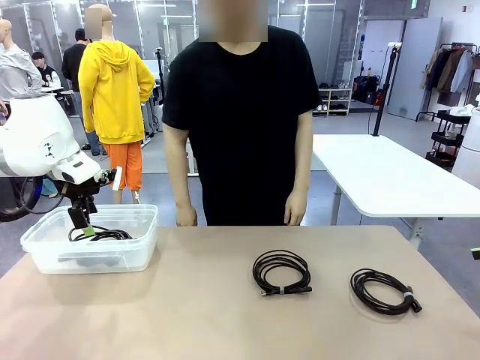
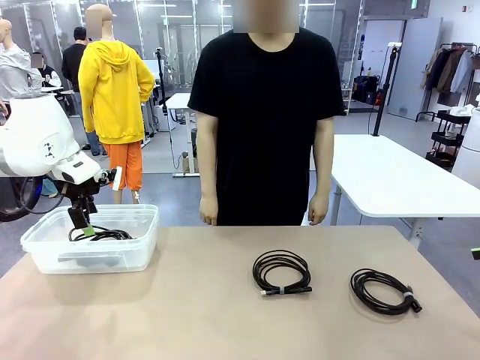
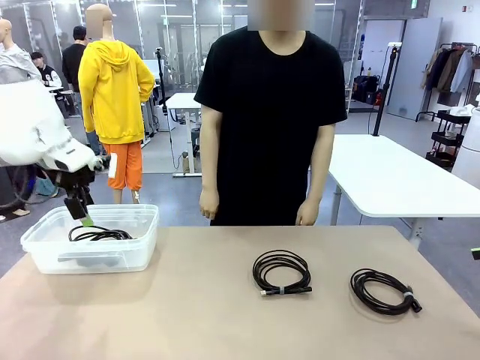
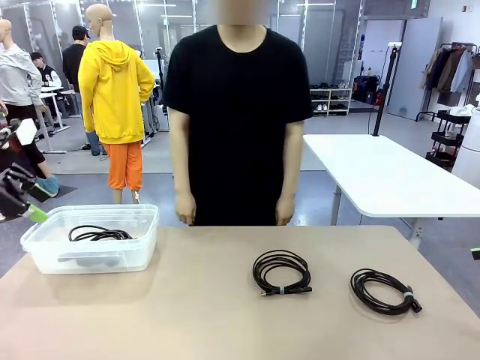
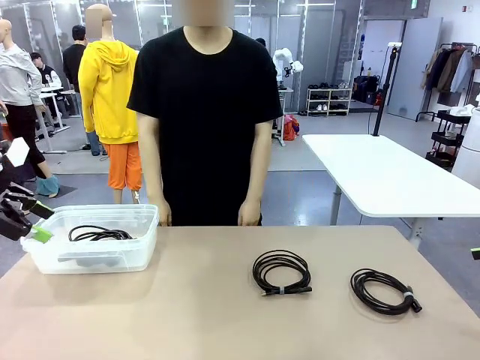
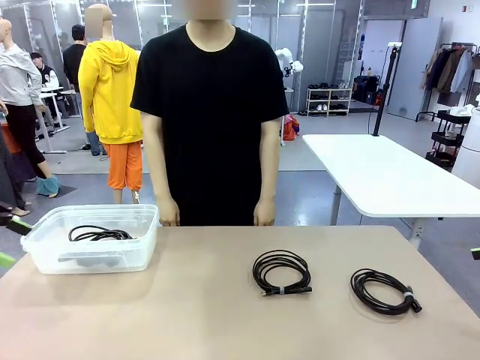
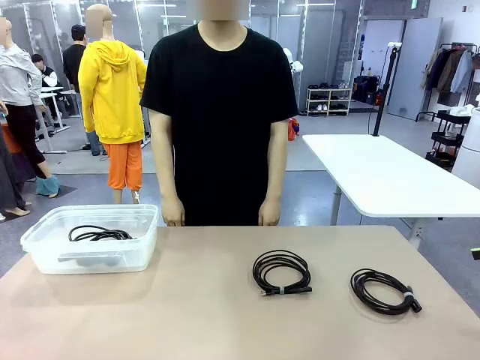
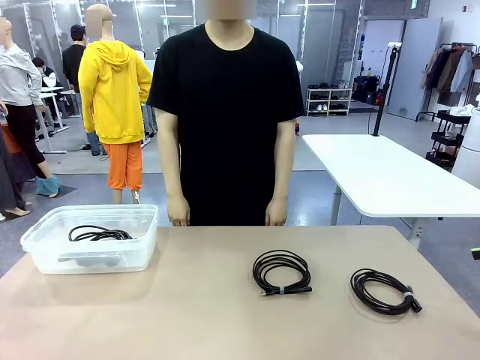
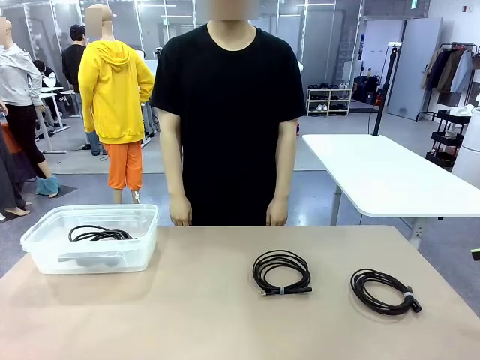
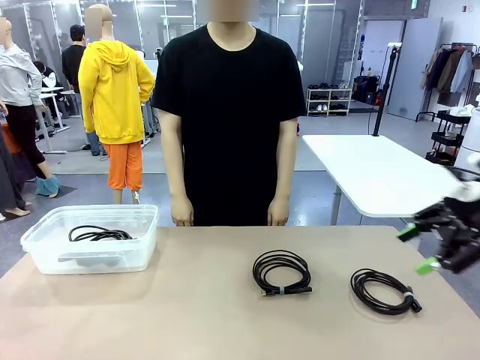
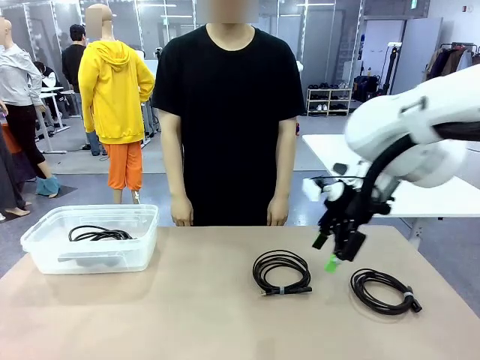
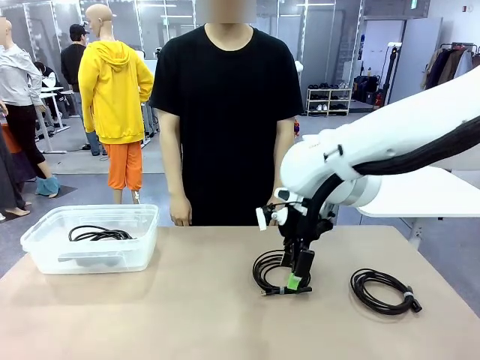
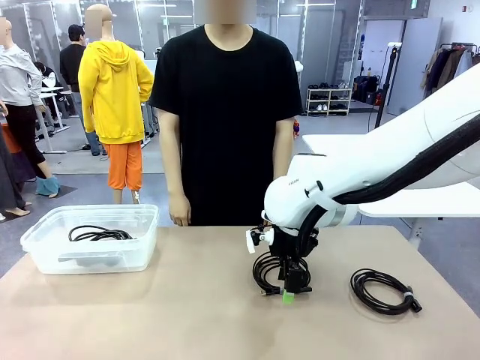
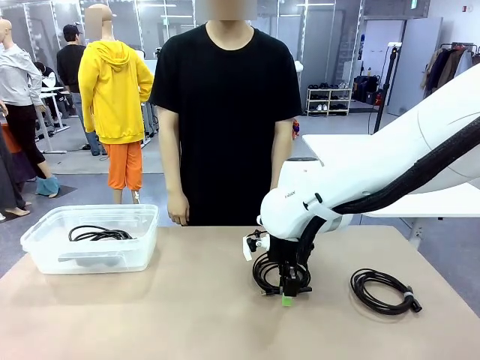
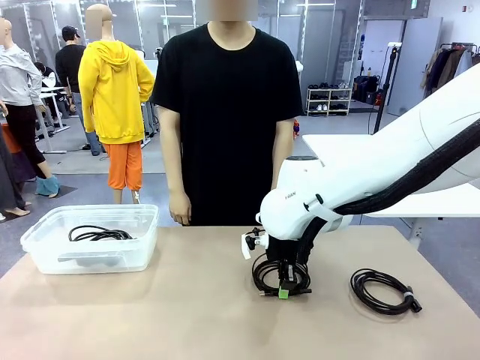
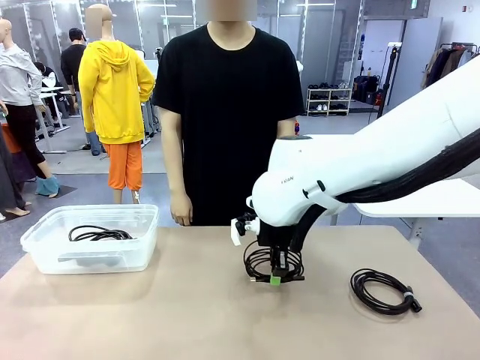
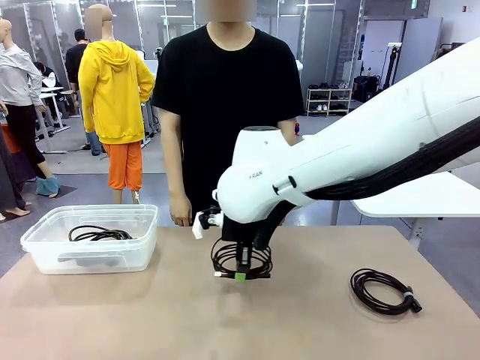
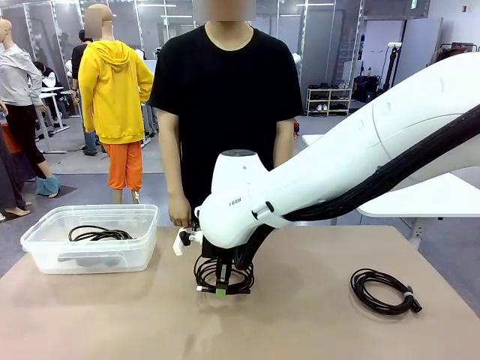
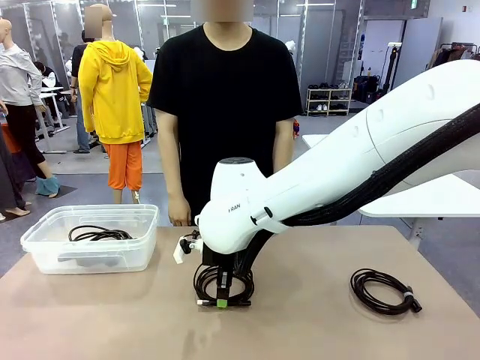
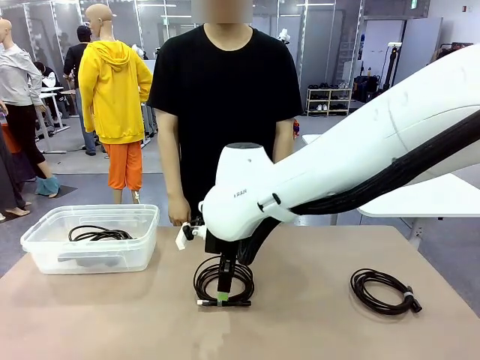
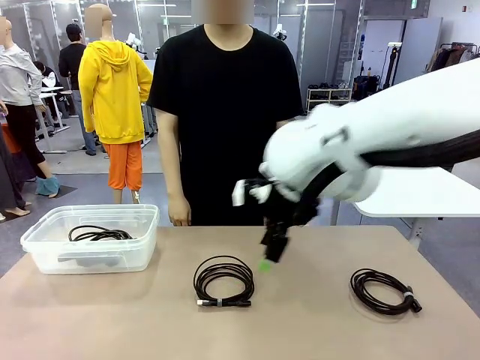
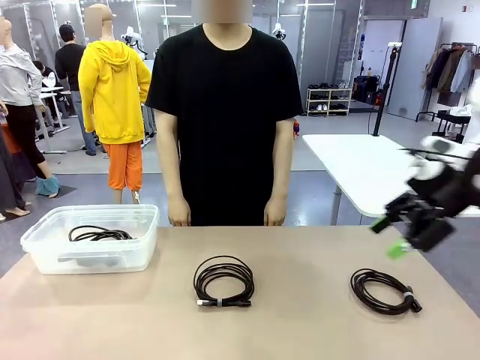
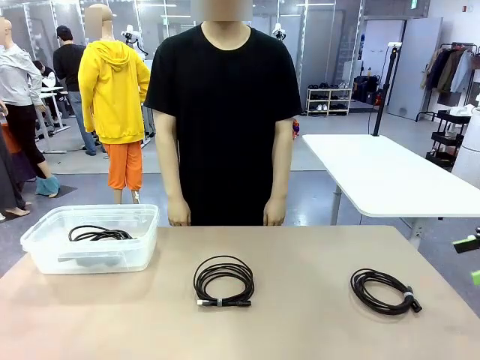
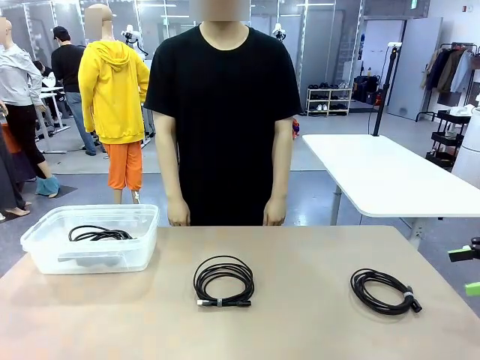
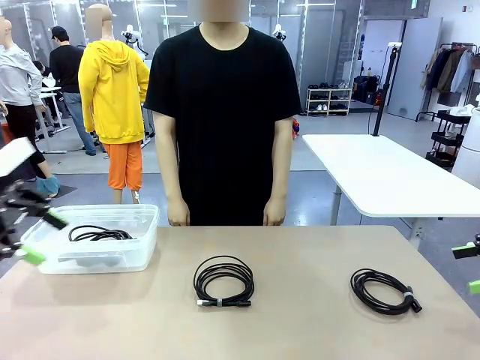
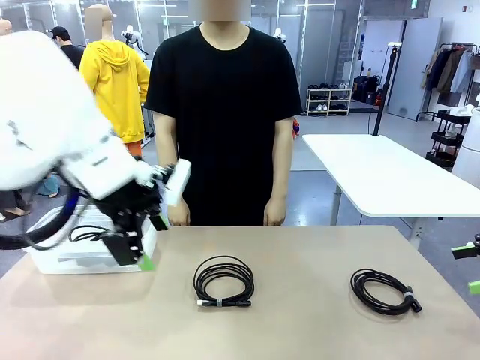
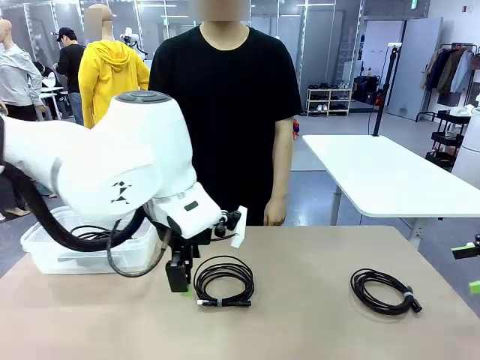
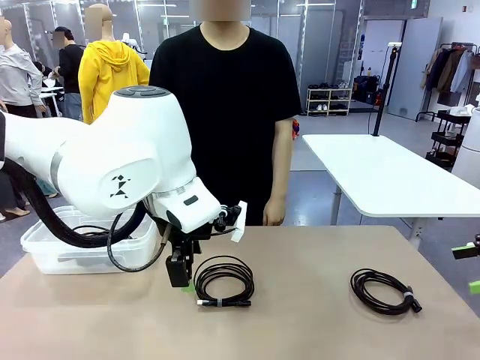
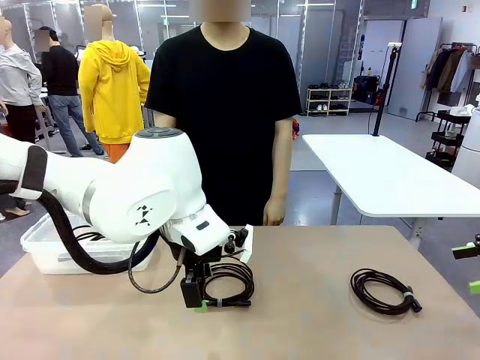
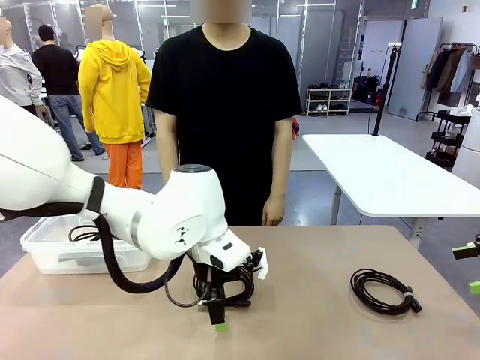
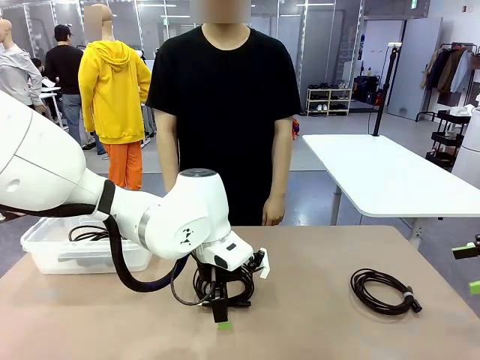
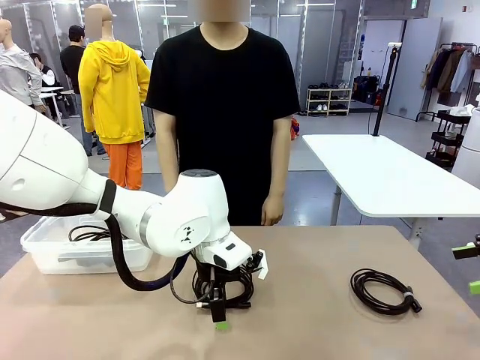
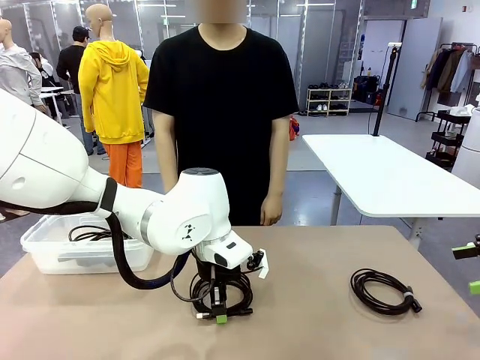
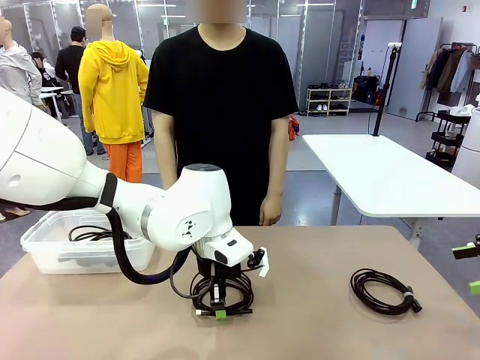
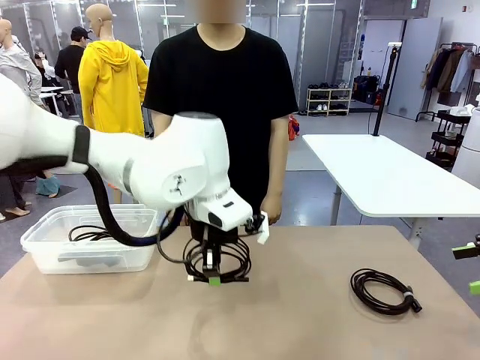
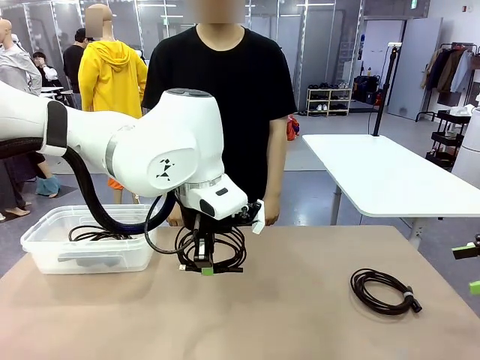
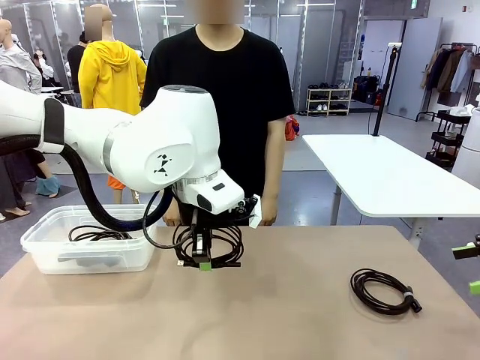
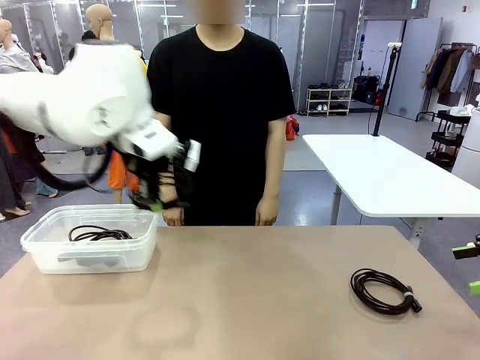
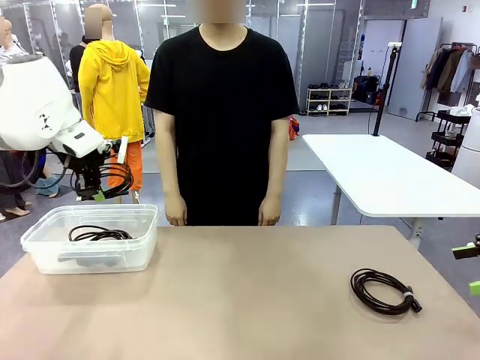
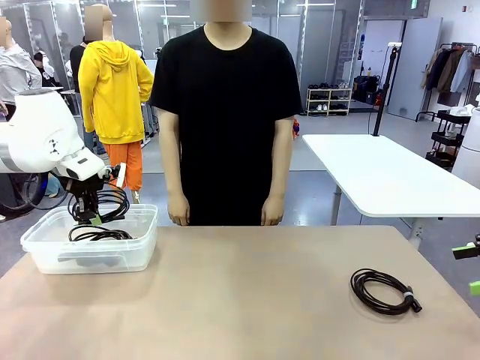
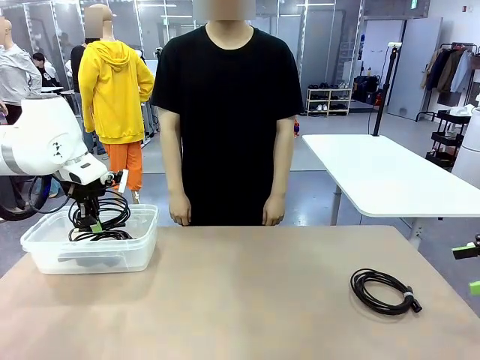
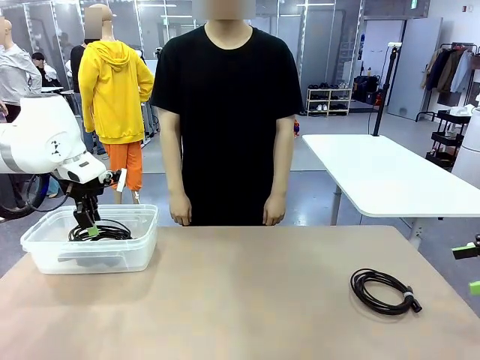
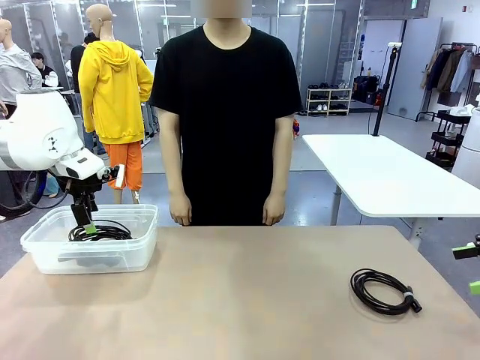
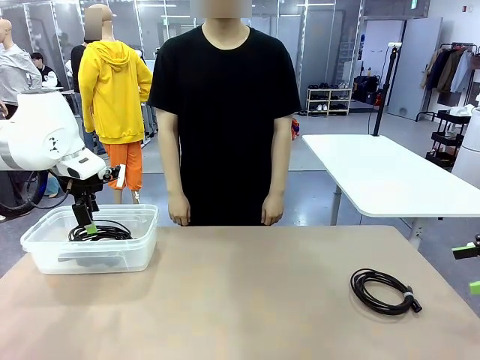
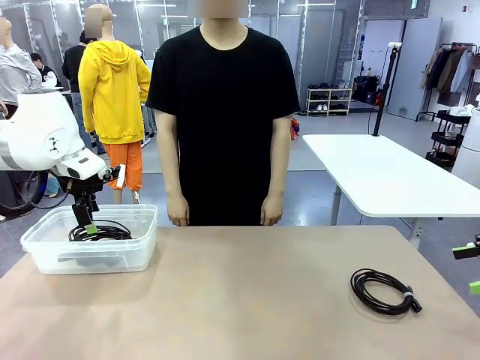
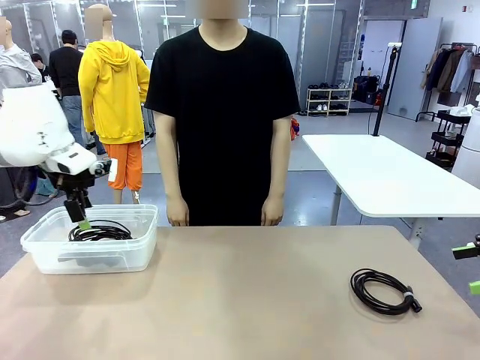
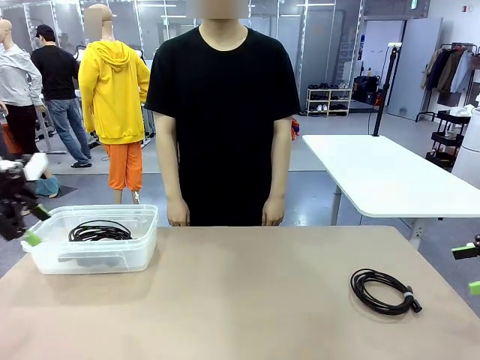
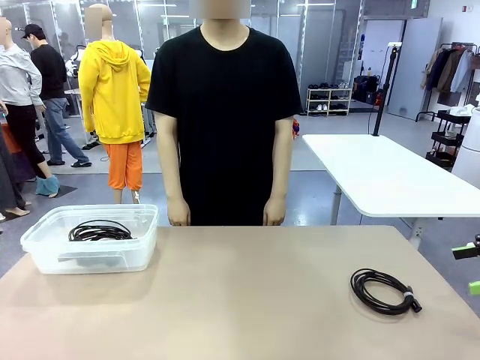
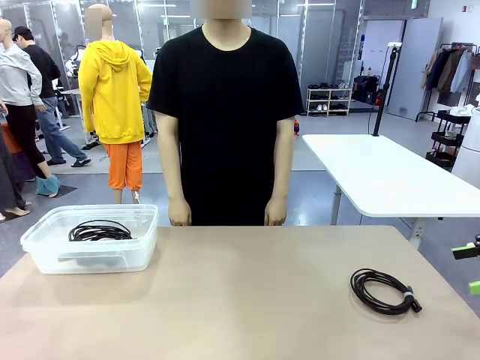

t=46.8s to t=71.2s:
Task: Organize and store the cables.
Robot: Place the USB Extension Cable into the Organizing box.
